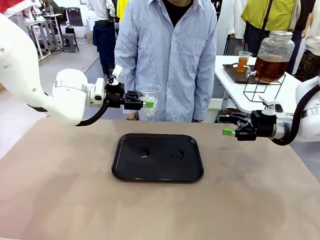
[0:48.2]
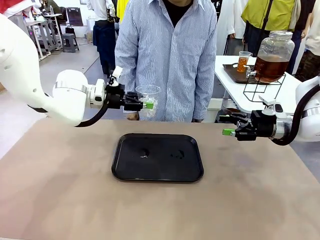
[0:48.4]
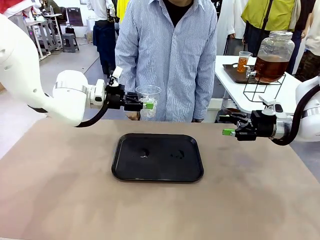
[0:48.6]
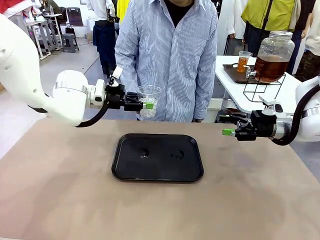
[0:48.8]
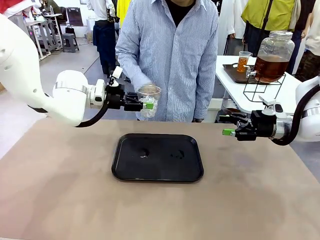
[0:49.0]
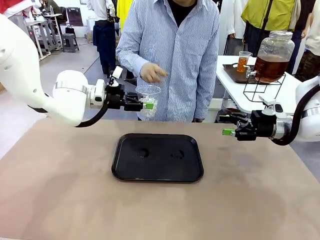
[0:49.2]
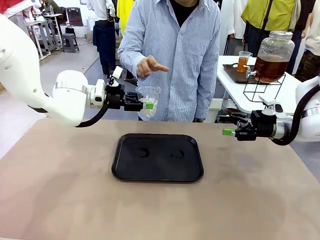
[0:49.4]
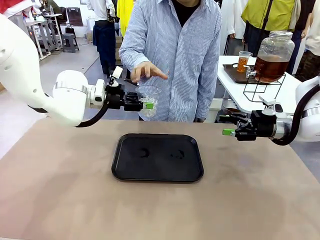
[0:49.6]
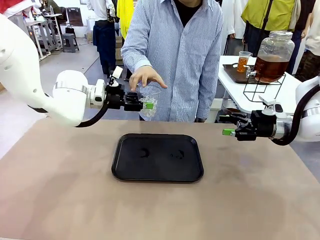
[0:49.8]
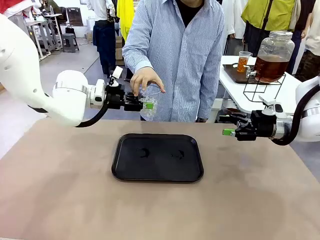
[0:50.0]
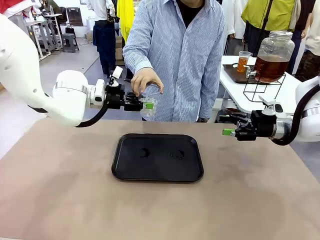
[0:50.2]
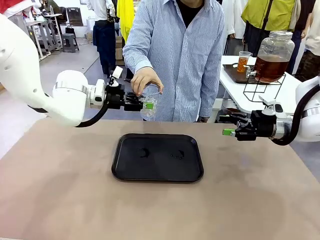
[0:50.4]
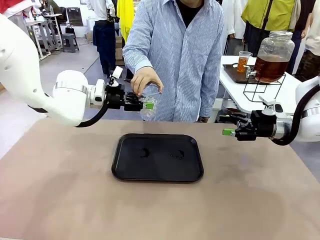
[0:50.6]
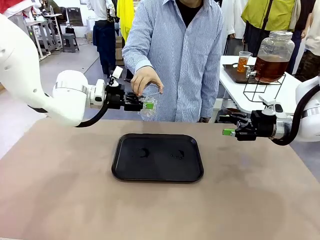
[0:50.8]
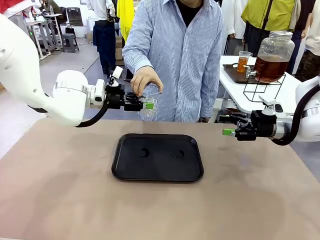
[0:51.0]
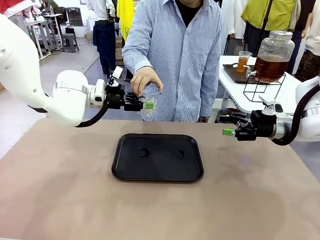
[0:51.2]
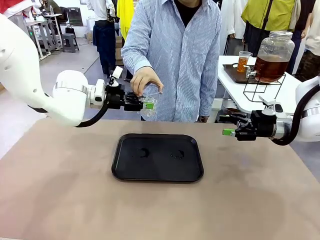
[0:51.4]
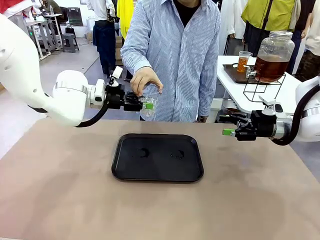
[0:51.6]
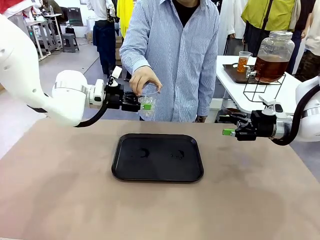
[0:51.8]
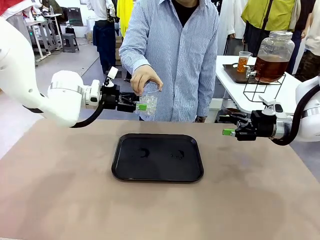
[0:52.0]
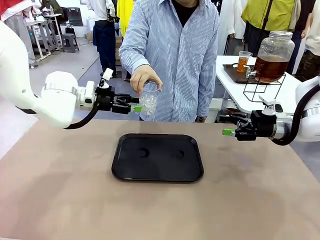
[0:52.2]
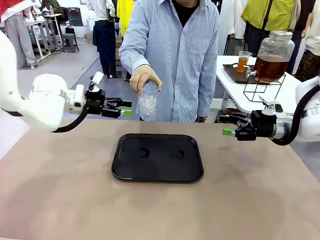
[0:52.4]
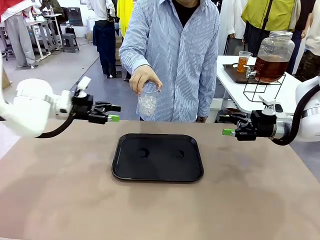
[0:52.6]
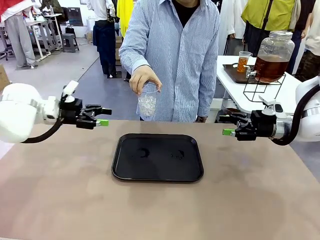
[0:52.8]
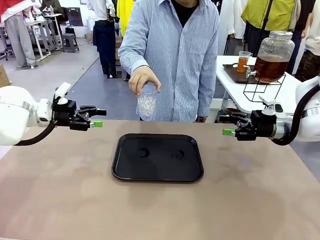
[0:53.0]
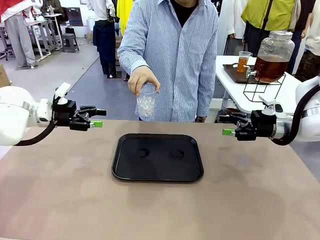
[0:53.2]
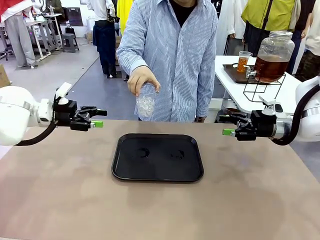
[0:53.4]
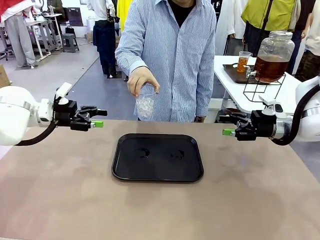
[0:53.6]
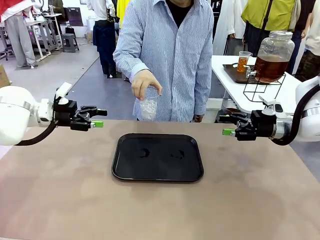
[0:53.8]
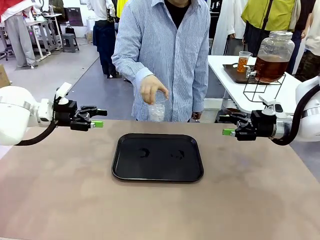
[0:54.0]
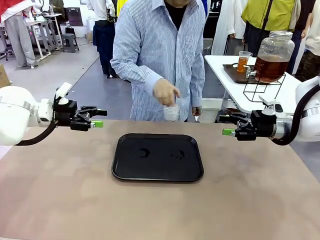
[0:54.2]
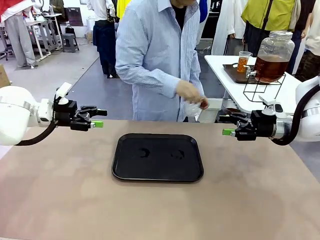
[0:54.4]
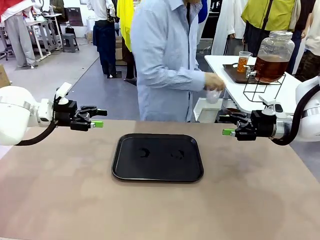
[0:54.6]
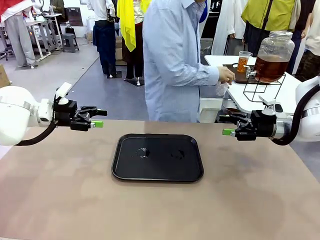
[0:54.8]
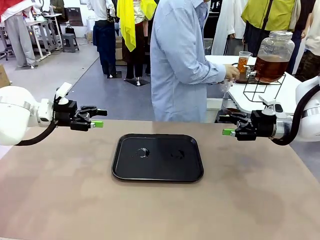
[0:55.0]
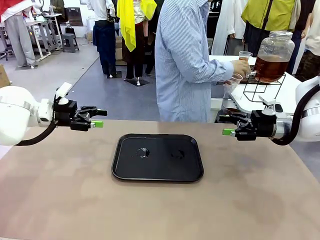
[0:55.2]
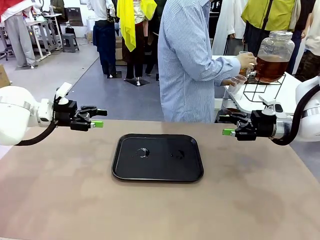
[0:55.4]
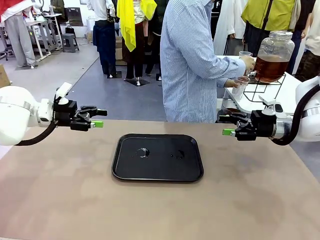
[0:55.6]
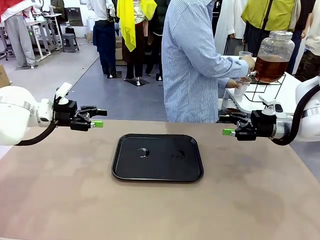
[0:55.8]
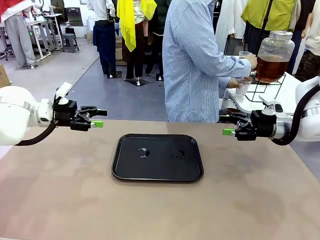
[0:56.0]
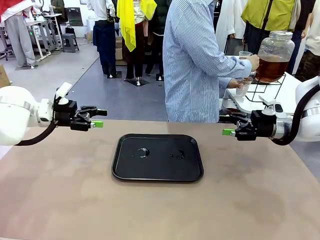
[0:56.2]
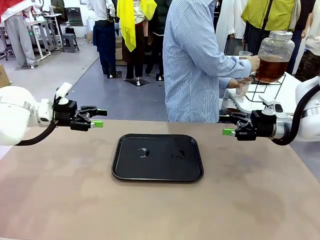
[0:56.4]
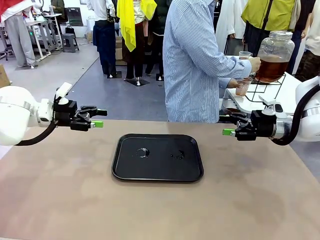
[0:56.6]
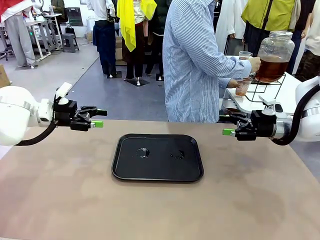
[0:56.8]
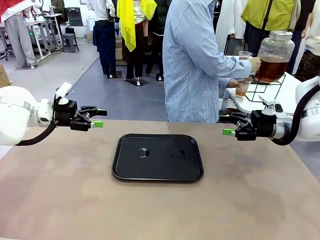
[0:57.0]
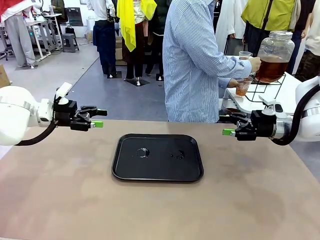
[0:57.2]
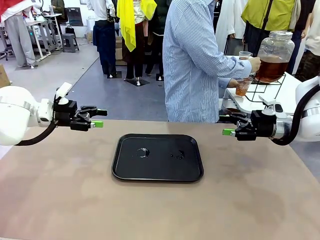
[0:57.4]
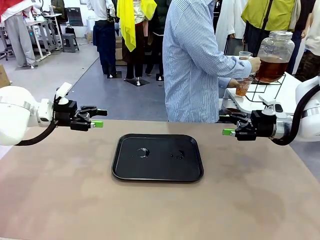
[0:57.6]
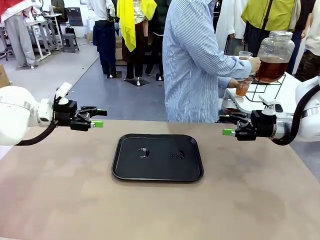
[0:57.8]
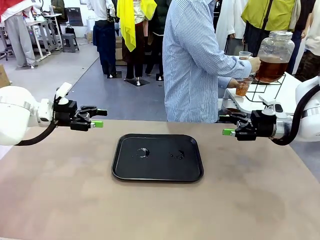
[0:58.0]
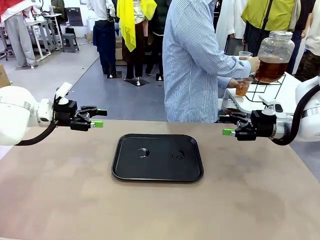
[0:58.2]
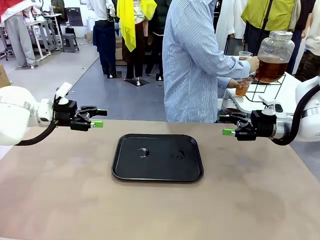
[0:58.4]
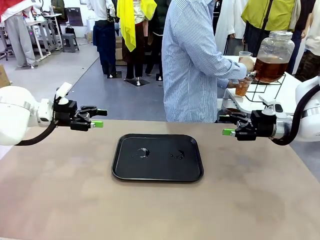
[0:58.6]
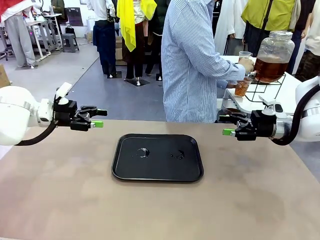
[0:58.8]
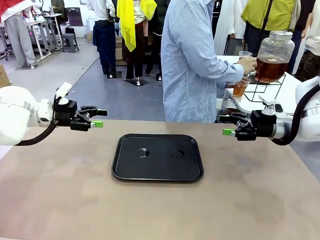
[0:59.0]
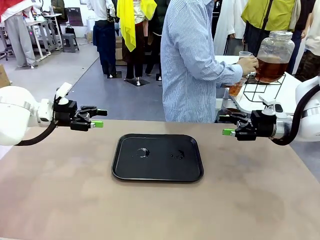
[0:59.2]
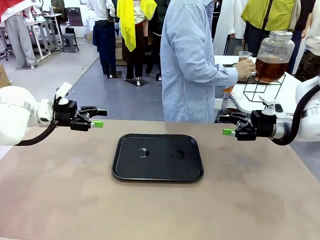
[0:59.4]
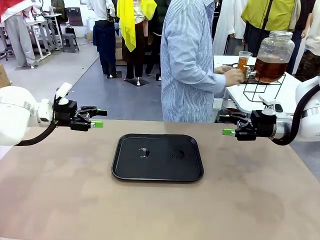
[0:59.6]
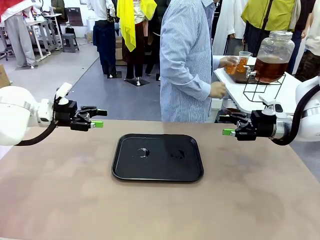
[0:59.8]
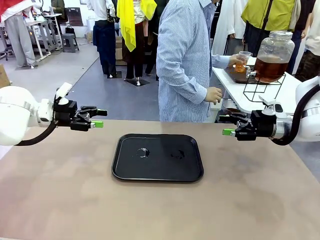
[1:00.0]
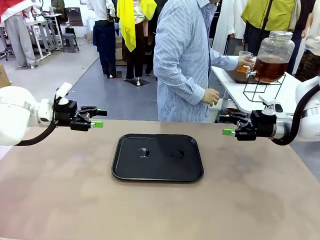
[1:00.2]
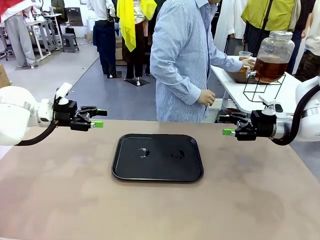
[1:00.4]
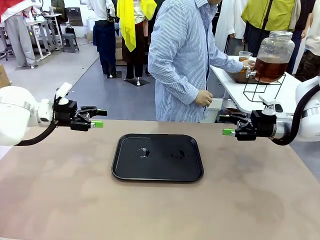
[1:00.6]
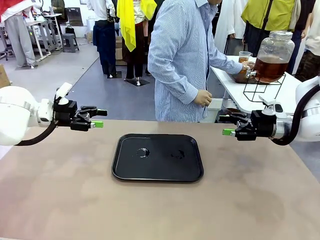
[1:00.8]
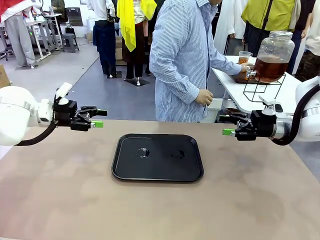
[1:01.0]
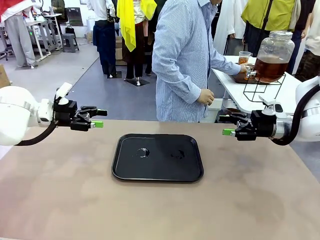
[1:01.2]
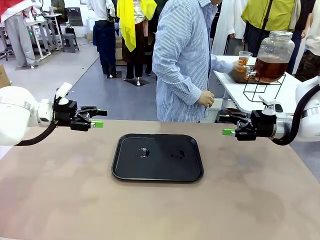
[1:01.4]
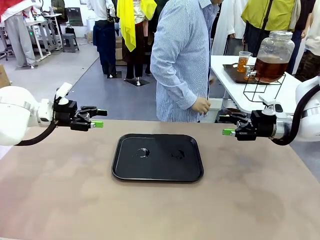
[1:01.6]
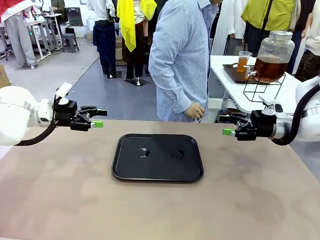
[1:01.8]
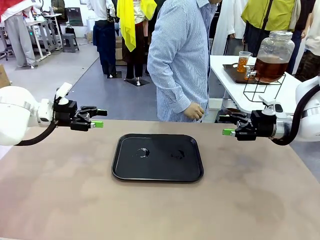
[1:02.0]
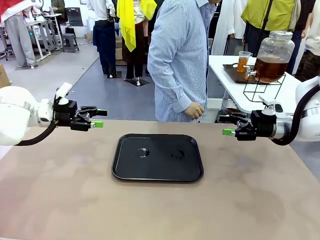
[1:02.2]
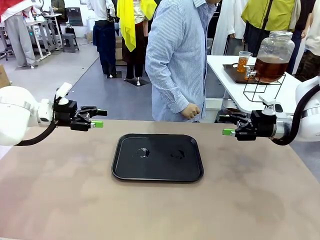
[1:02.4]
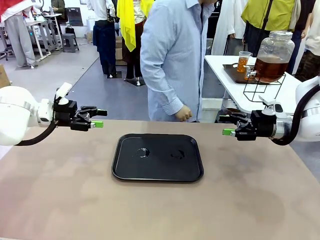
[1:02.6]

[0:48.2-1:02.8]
Task: Pour the drink into the iced cup.
Robot: Open the gripper to release the iced cup you were holding.
Person: Move the picked-up cup under the dispenser faucet, pour the drink, and place it on the tray on the human table.
